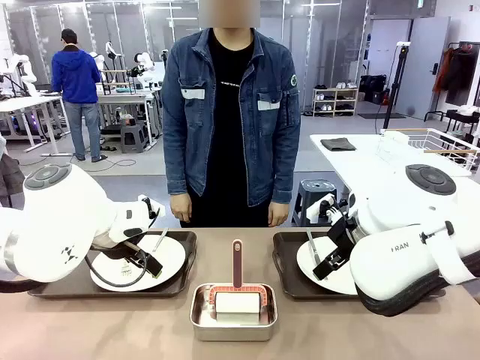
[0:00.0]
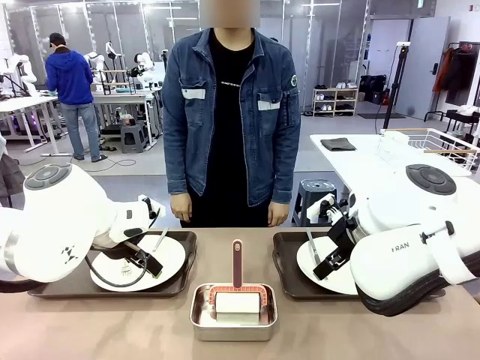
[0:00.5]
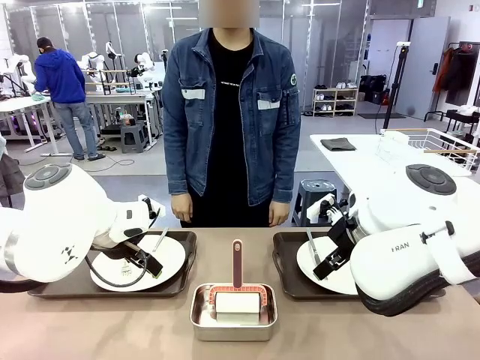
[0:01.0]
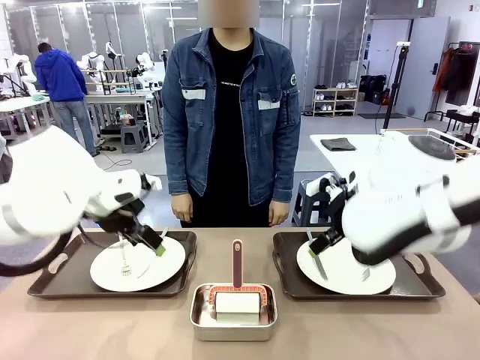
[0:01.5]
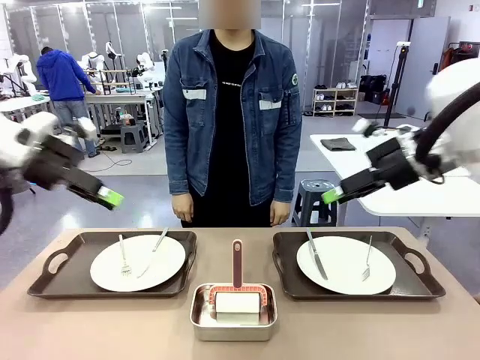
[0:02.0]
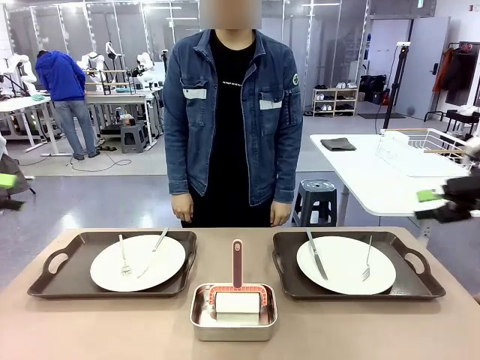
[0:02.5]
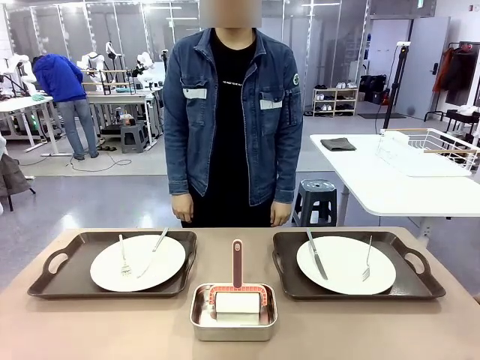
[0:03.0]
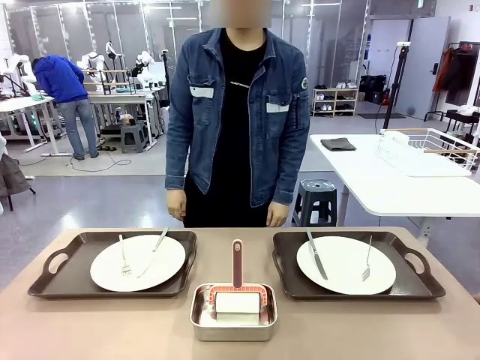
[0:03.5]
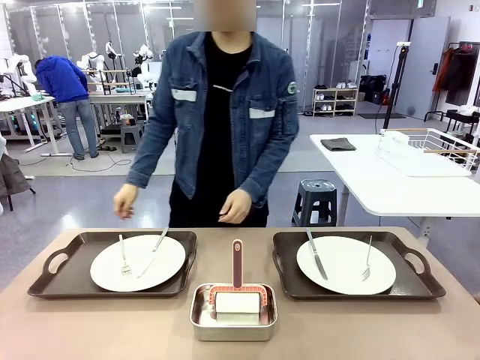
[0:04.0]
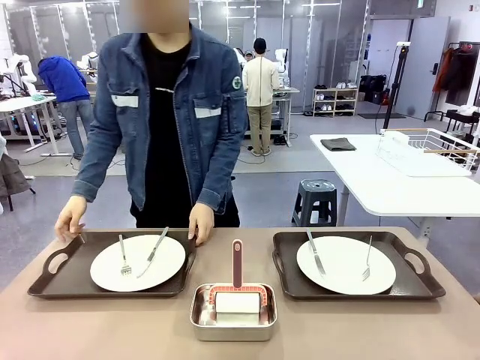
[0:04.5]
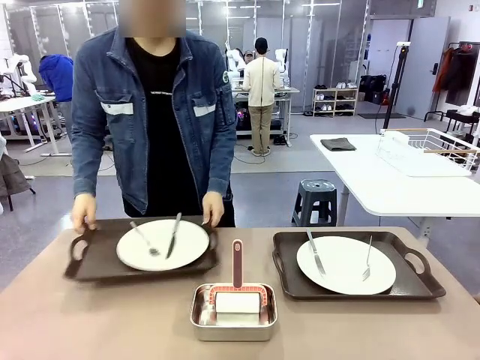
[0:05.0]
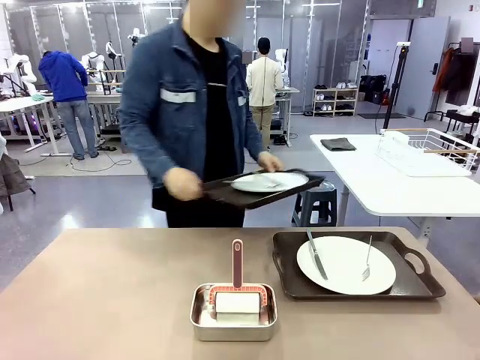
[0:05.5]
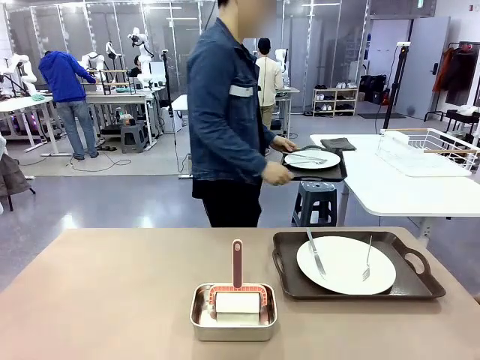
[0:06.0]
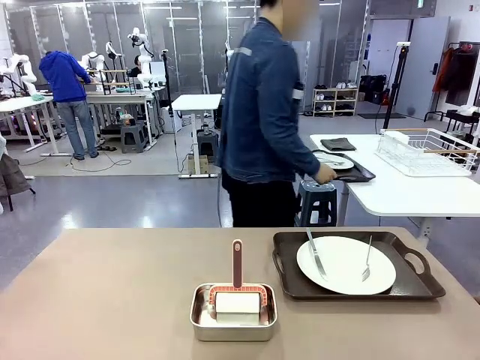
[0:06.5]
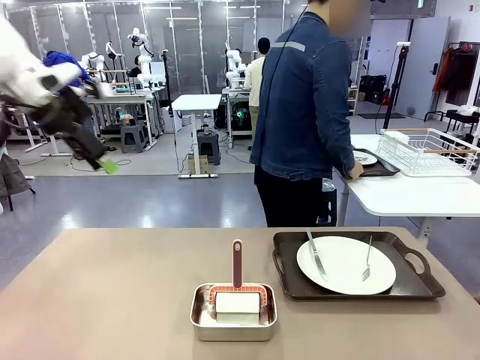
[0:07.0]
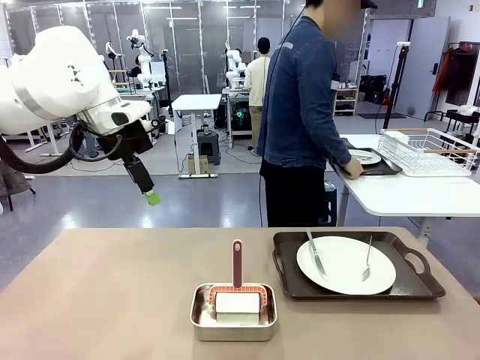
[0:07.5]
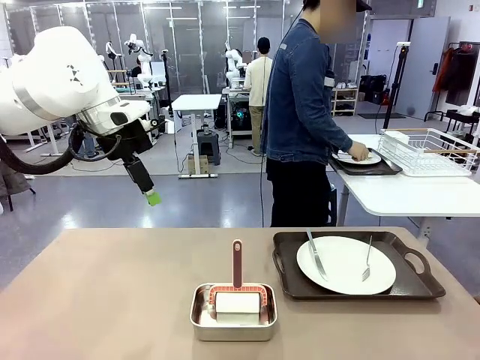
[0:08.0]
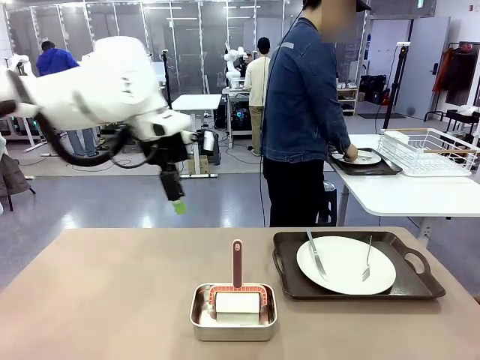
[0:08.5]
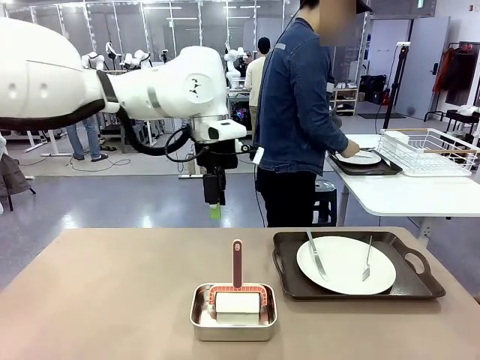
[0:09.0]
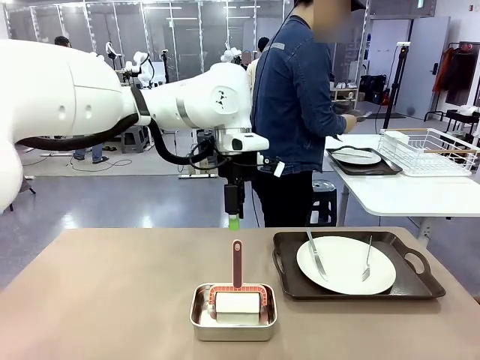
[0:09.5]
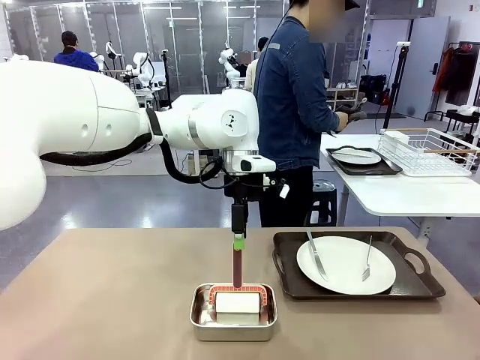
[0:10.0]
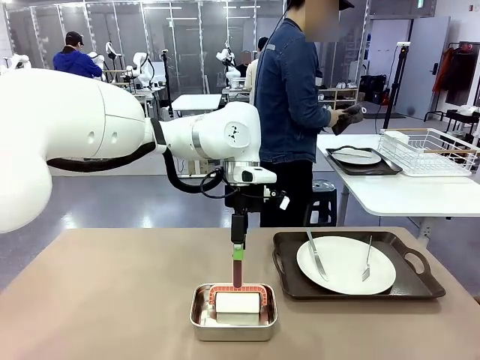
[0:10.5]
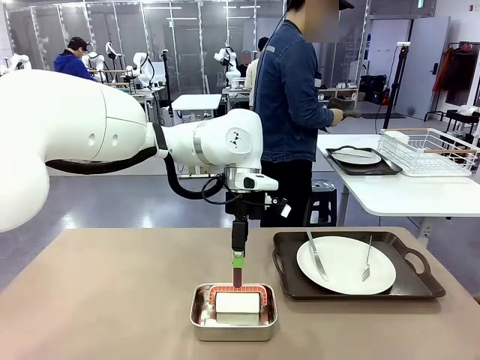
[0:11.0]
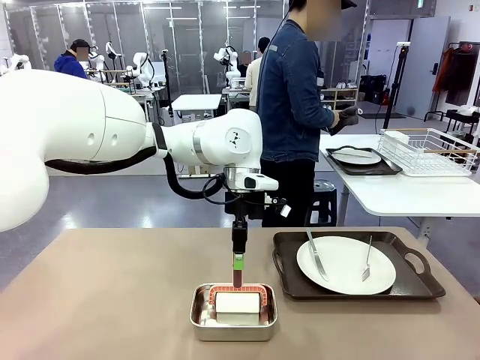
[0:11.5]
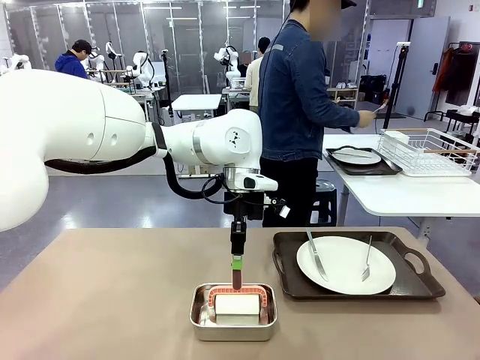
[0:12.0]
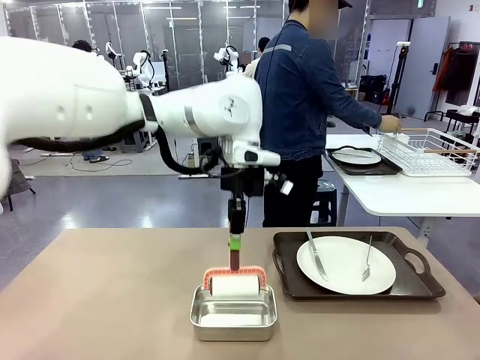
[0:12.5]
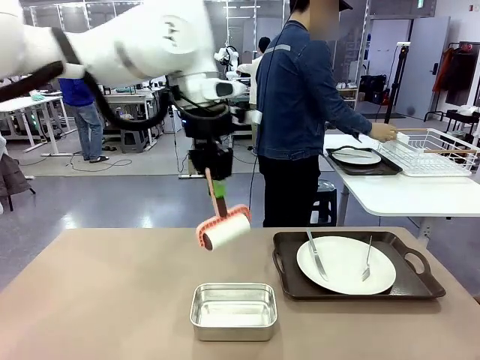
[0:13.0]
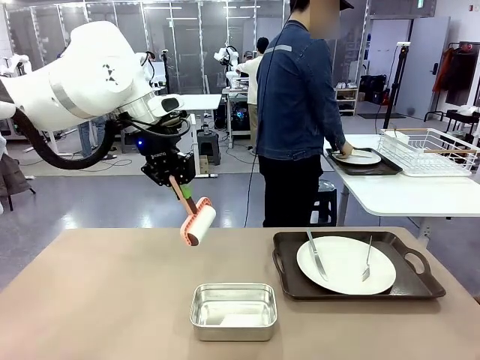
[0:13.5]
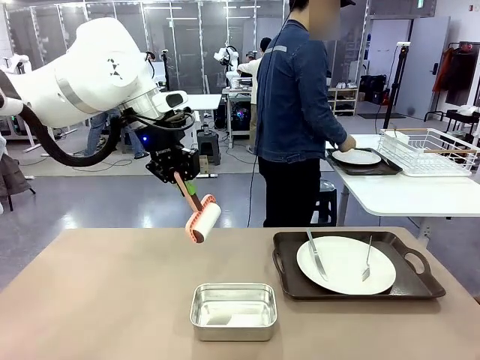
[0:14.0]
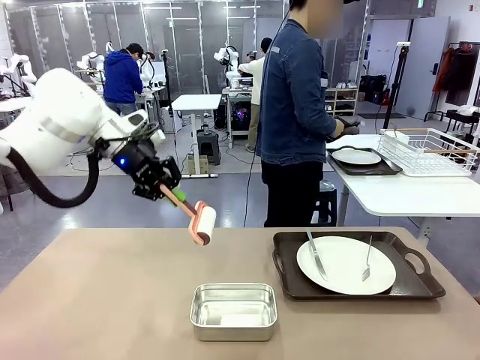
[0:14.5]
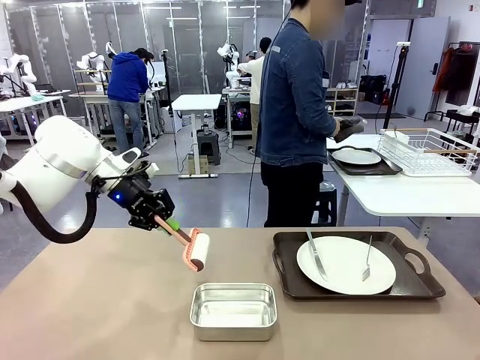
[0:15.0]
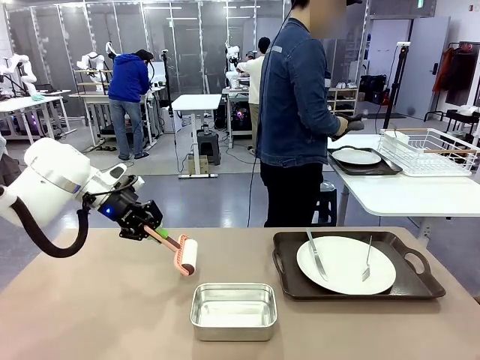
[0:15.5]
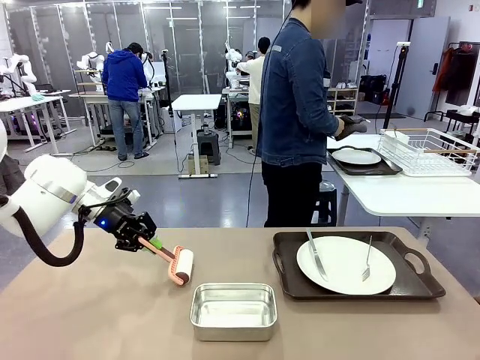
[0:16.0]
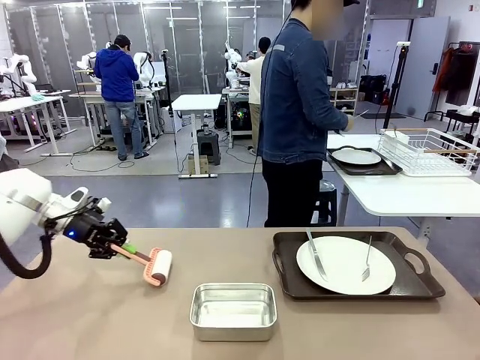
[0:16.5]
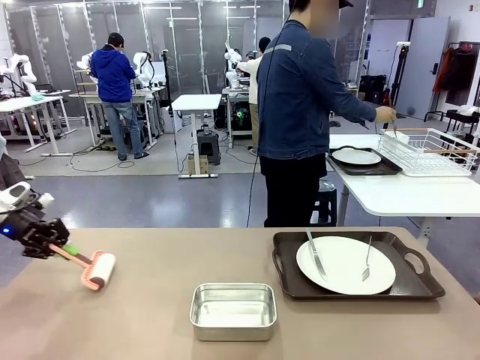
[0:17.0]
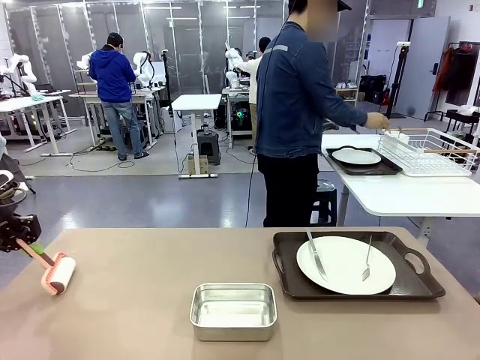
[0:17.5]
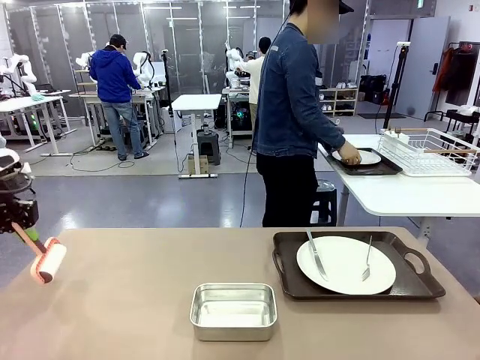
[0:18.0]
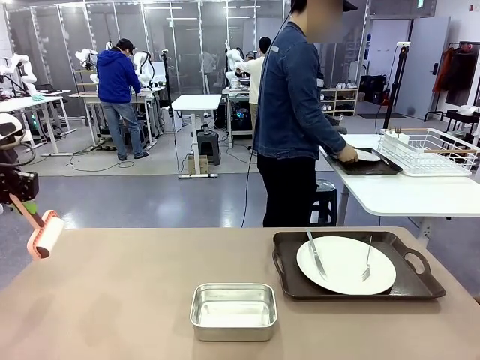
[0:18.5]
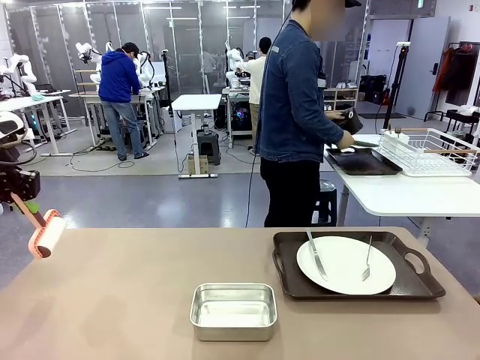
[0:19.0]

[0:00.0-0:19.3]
Robot: When the left (or right) Handle tray is removed, use the left hand (or right hand) to clean the left (or right) side of the table with the Lint Roller.
Person: Pick up the left (or right) Handle tray and place it on the middle of the Human's table. Use the Towel with hook to wipe the Plastic Matte Plate , Fork , and Knife and place into the Dish drying rack.

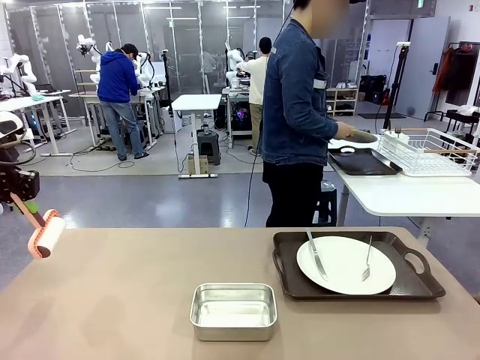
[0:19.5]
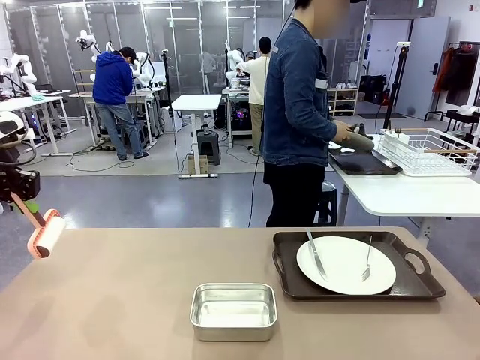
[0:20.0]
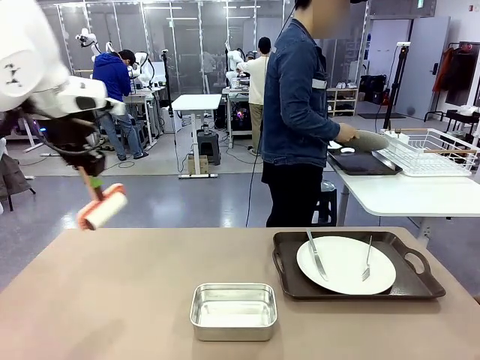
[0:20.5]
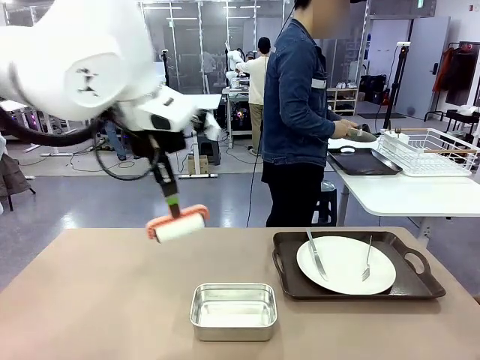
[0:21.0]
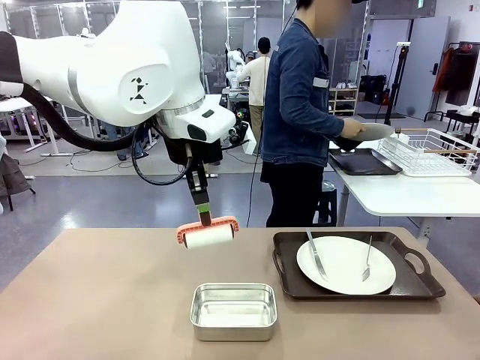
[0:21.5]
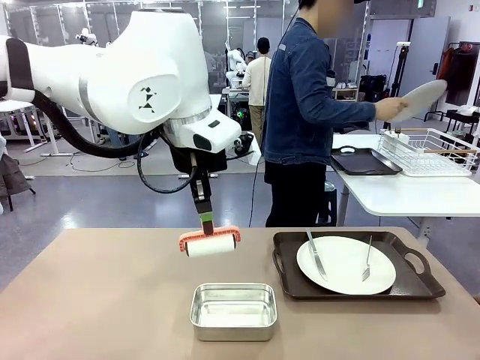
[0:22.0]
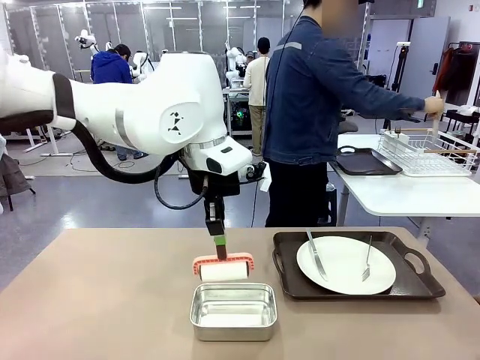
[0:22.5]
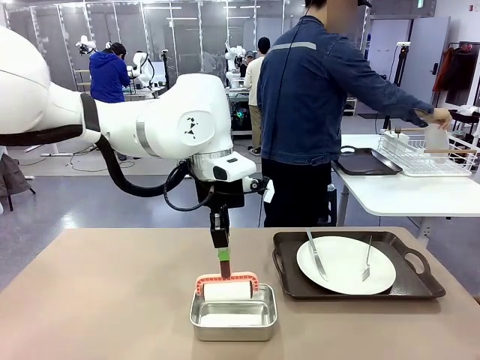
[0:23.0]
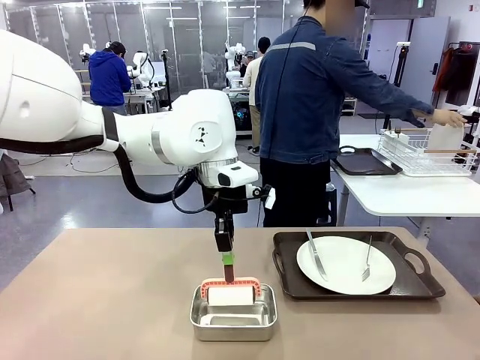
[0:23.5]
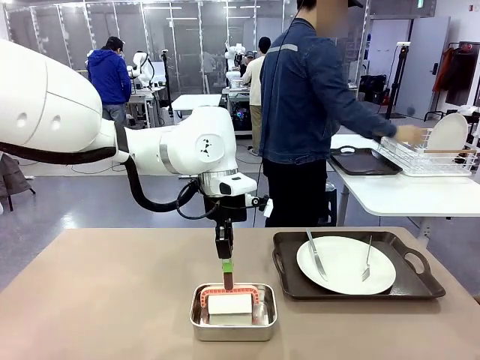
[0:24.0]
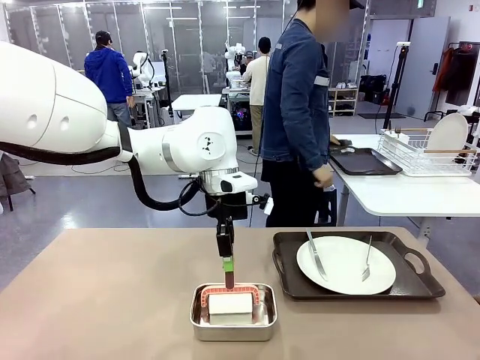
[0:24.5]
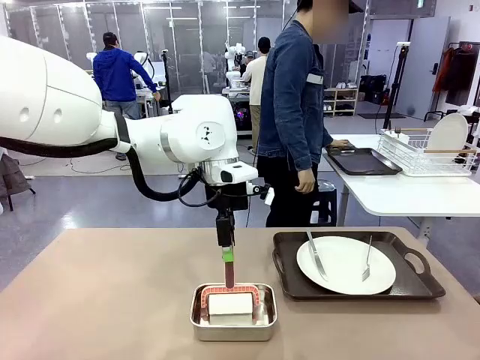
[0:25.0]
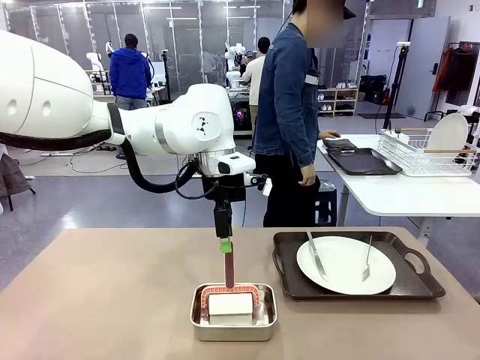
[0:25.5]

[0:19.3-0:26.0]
Robot: Place the Lint Roller back on top of the Airtight Container.
